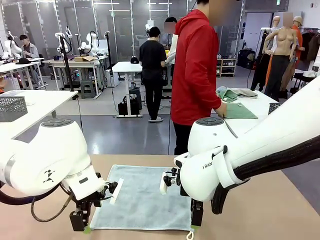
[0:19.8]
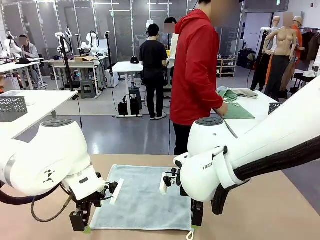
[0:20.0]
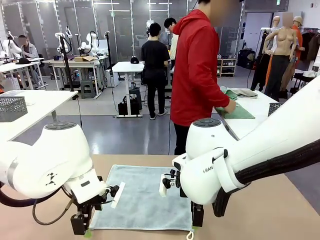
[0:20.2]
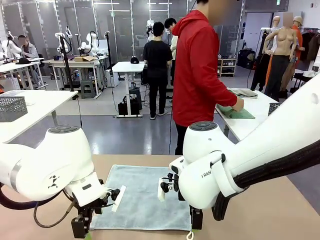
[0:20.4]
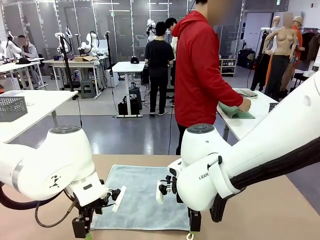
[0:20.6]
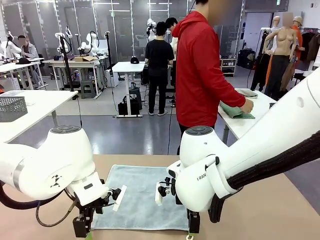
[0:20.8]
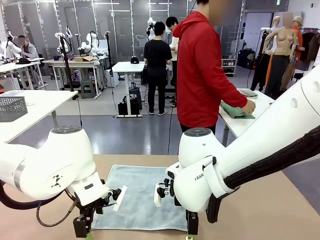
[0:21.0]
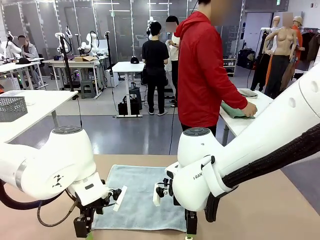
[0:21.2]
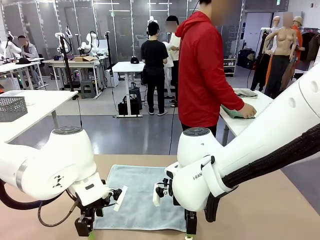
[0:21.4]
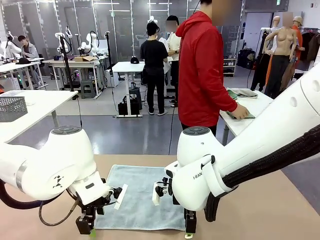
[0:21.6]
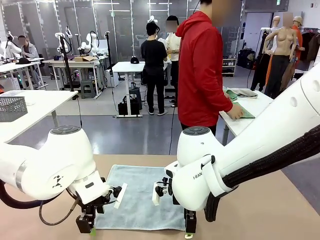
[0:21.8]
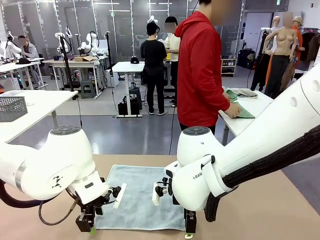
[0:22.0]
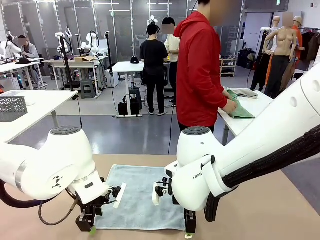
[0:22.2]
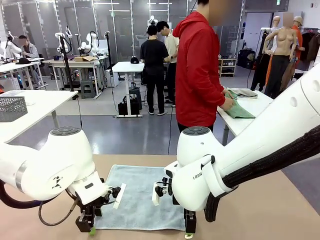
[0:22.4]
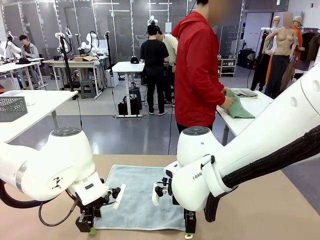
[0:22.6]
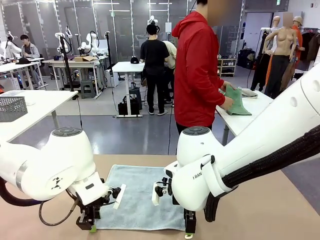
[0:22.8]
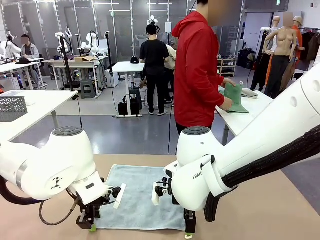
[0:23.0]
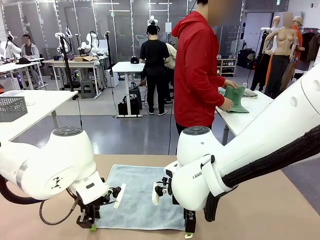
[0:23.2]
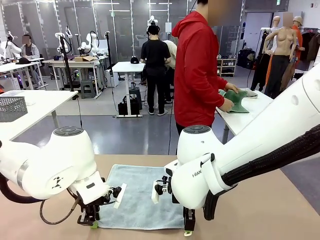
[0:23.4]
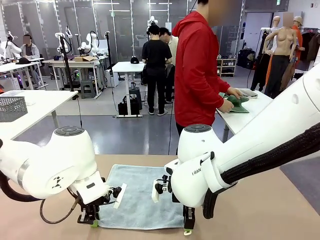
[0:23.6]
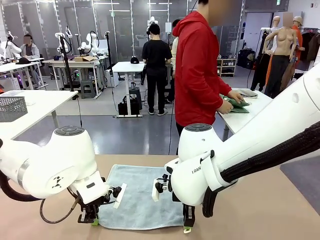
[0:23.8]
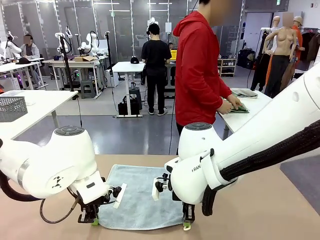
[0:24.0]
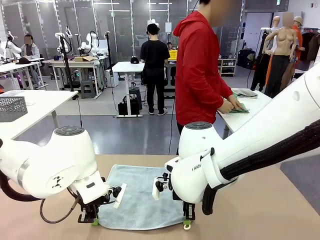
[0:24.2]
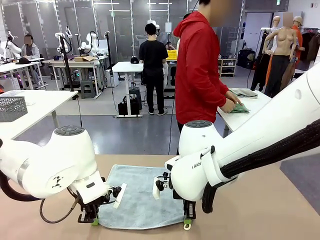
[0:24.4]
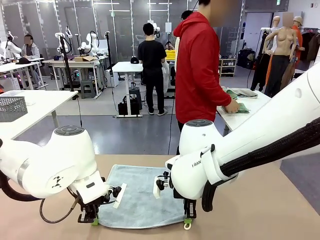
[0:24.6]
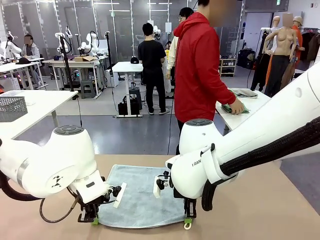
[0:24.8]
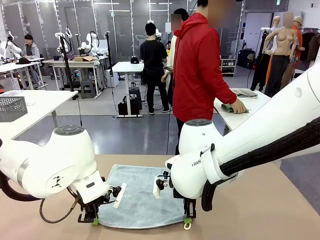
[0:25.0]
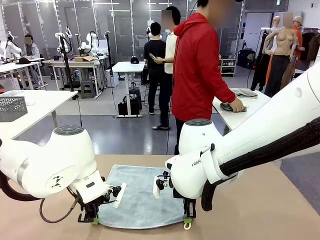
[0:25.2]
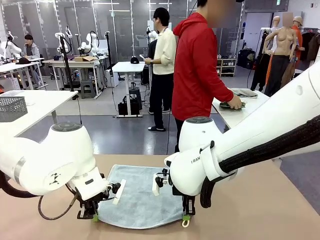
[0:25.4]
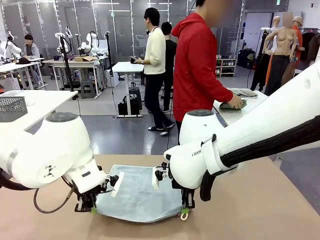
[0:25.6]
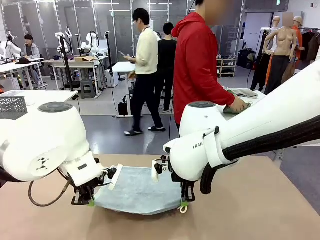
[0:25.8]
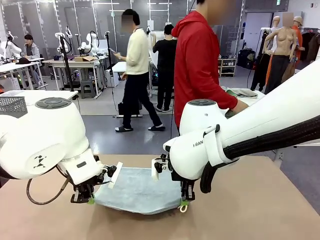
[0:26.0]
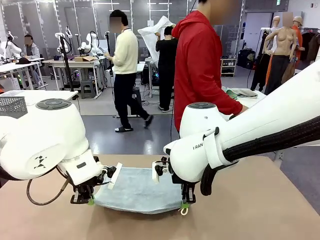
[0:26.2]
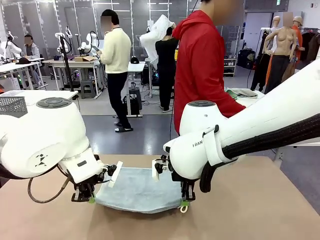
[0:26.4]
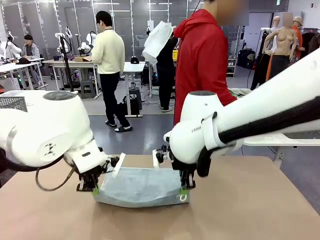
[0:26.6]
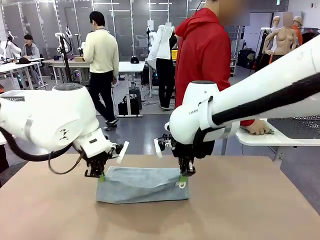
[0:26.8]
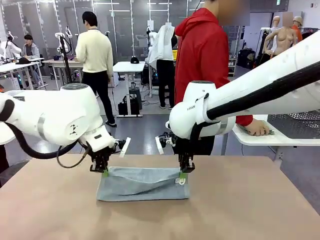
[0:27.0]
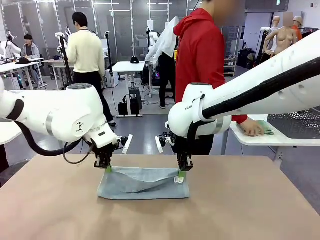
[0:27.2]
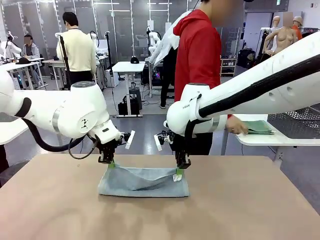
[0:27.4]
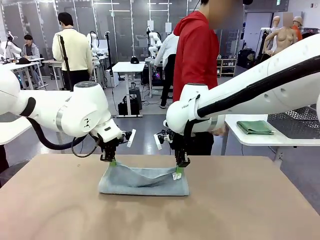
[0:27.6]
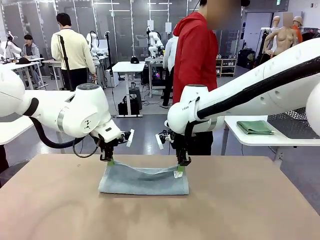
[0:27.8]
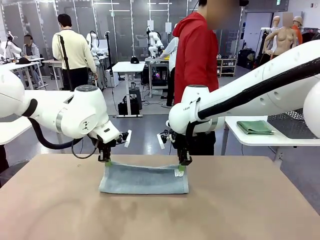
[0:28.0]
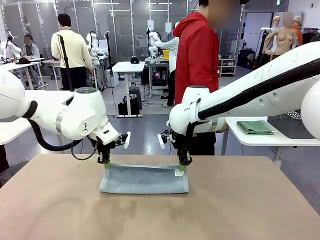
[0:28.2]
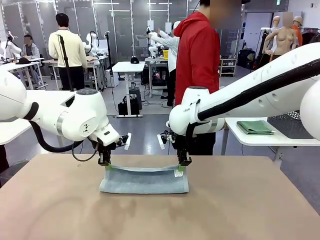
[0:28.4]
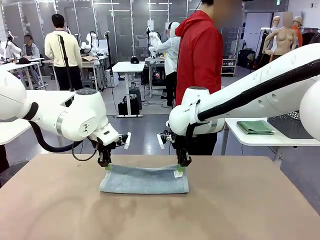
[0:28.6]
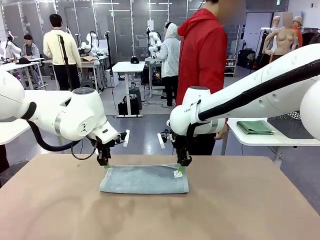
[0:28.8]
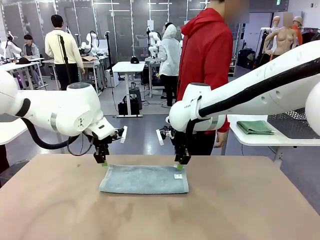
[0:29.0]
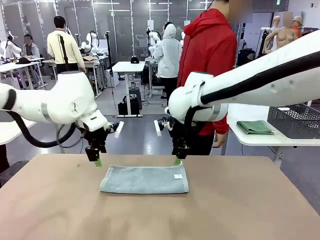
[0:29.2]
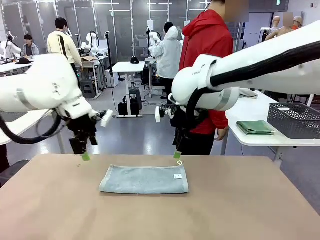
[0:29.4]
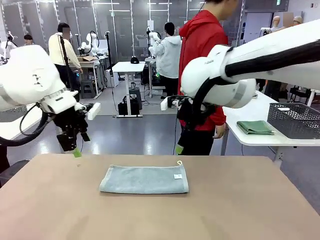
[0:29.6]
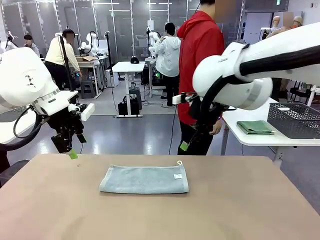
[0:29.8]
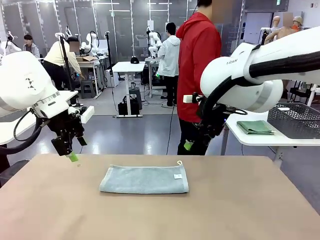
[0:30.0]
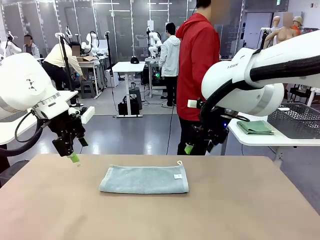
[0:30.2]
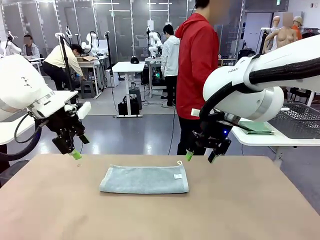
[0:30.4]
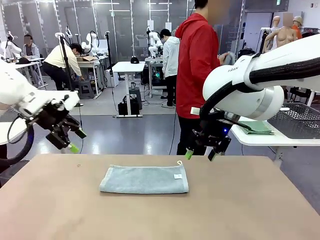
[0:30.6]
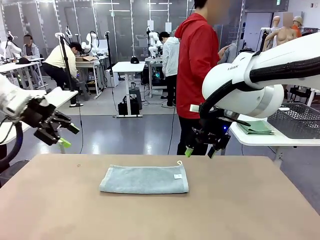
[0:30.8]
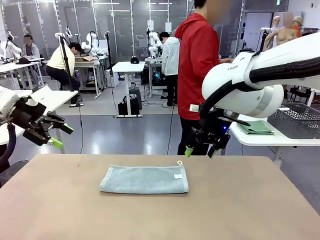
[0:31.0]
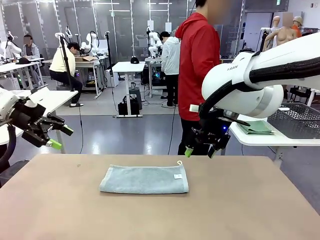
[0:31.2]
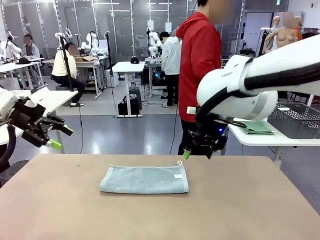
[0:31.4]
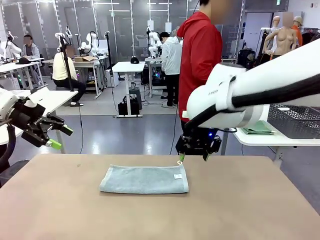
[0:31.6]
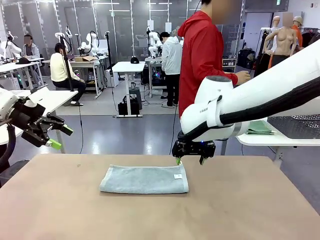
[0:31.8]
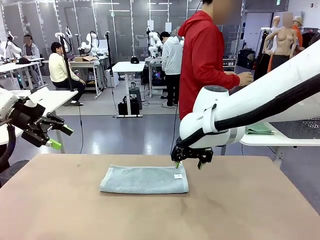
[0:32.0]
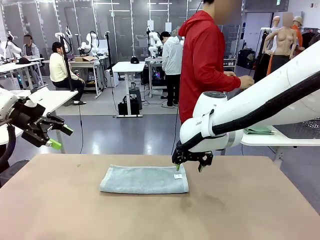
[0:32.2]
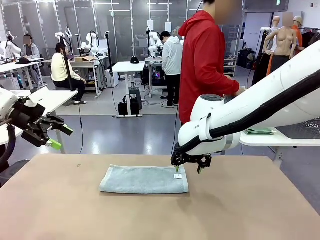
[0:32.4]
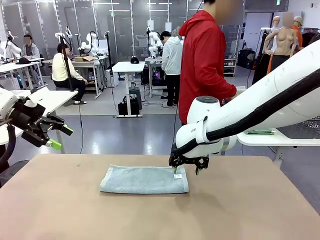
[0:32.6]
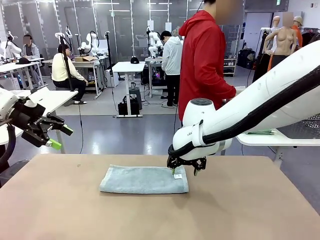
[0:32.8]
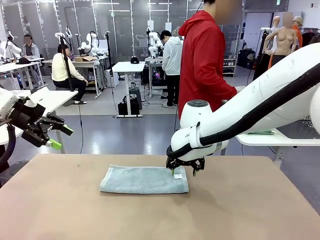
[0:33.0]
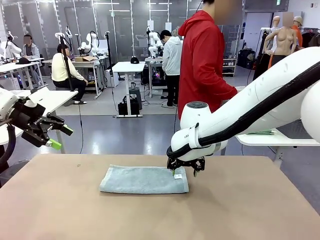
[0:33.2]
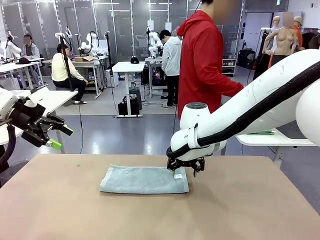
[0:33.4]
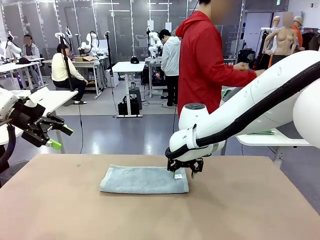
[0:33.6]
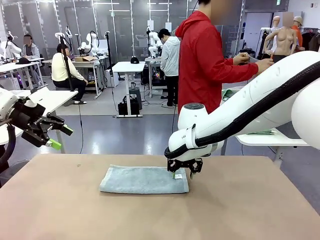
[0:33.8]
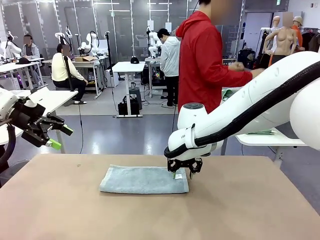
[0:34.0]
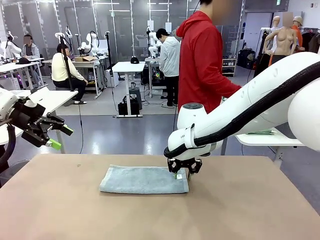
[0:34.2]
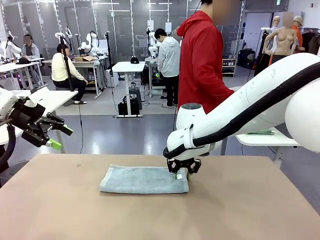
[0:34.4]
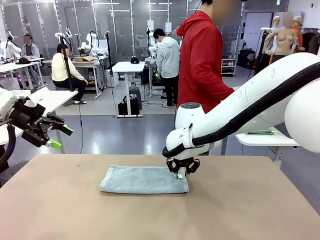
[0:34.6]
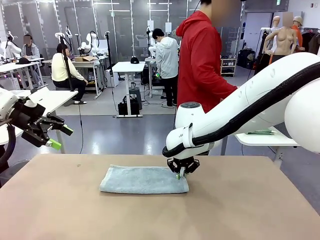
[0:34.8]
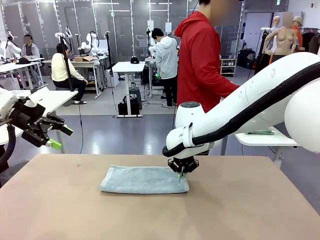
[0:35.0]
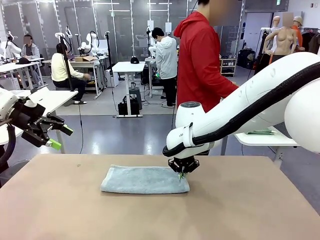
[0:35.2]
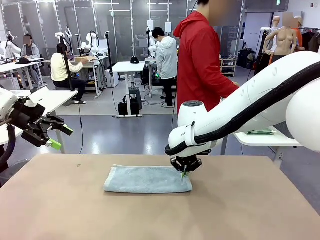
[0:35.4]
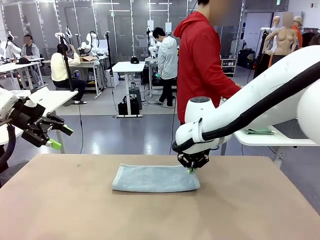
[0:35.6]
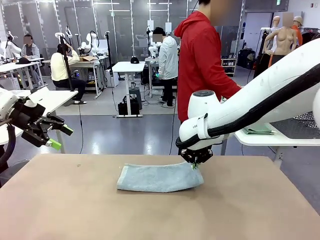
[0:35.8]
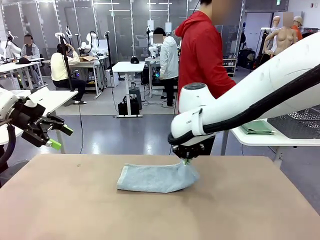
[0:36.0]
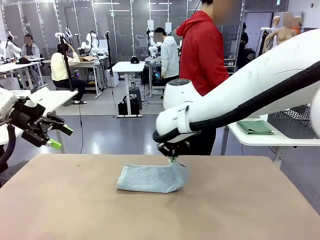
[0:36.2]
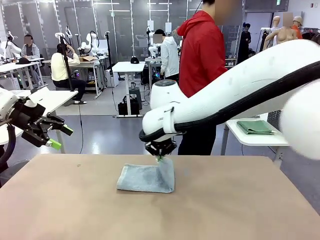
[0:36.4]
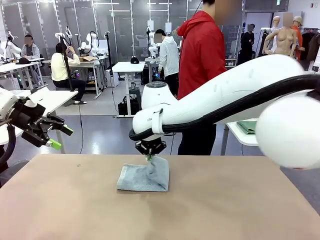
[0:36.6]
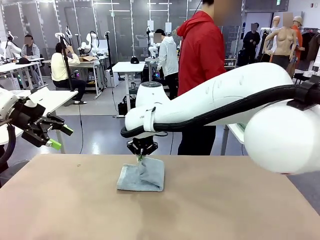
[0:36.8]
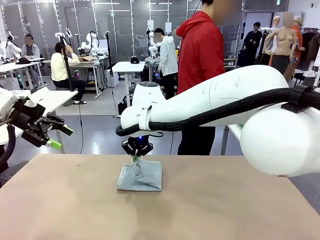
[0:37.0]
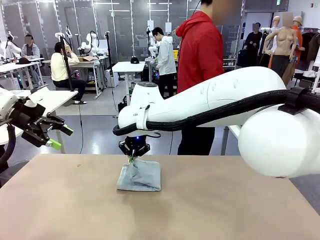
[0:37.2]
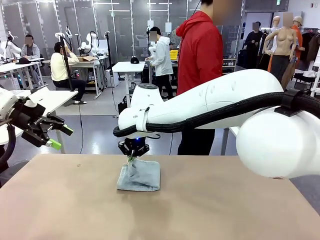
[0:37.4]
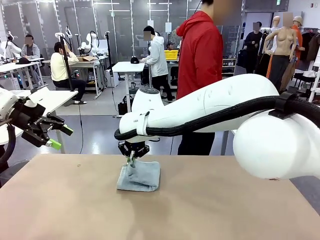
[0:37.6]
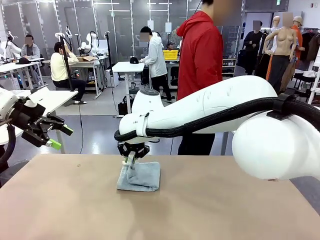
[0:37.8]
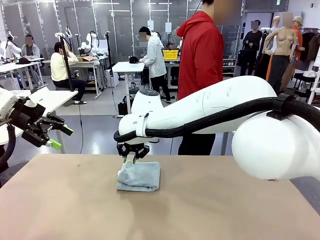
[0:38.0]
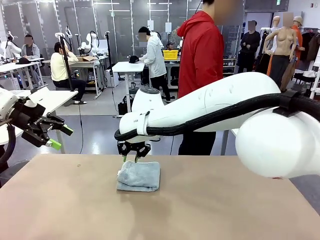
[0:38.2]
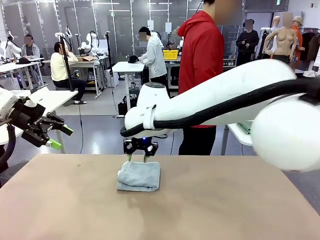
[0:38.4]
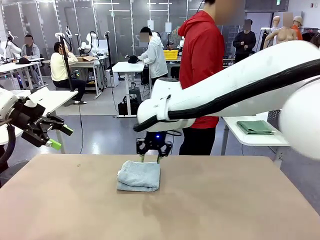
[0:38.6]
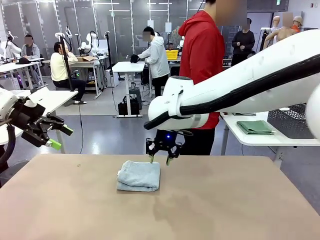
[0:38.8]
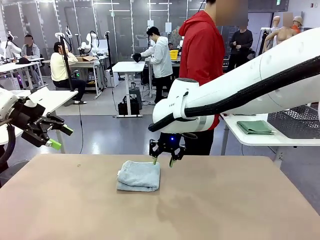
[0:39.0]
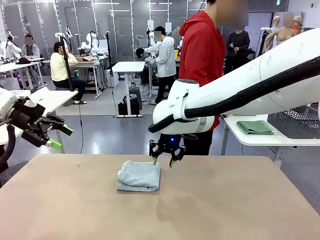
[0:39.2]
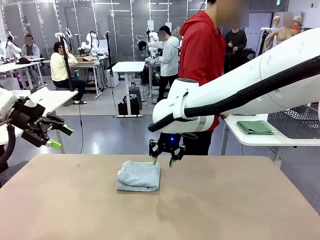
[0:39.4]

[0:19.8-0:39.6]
Task: Fold the towels and place them in the basket.
Robot: When a person lays out a Towel with hook on the table, fold it in half twice.
Person: Pick up one towel from the left side of the human table, fold it in half twice, and place it on the right side of the table. Pick up one towel from the left side of the human table, fold it in half twice, and stack it on the right side of the table.
